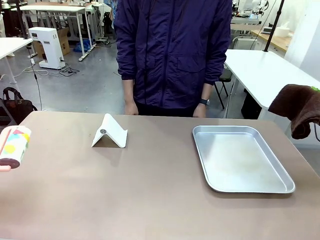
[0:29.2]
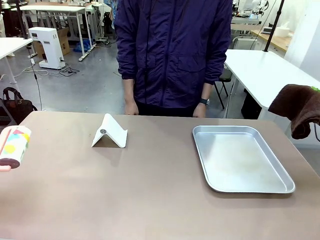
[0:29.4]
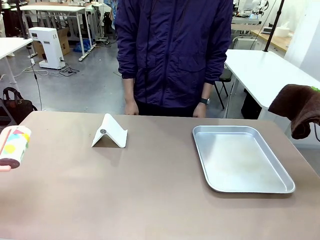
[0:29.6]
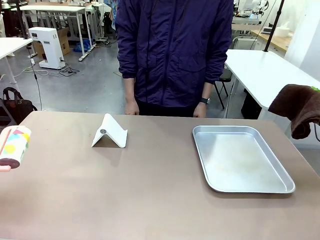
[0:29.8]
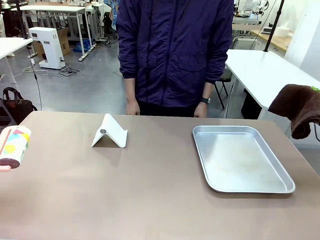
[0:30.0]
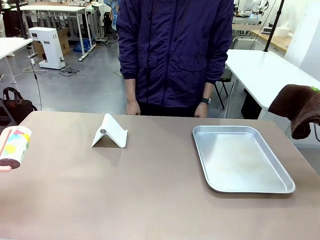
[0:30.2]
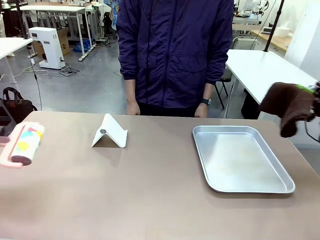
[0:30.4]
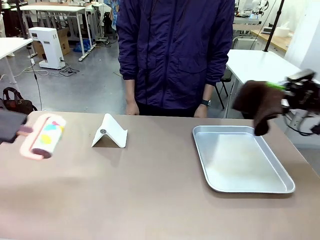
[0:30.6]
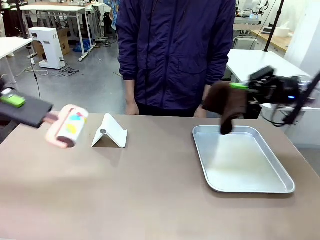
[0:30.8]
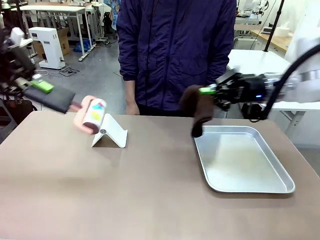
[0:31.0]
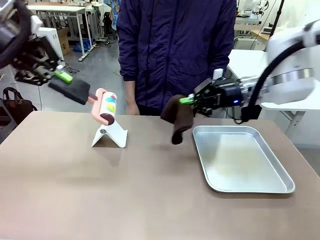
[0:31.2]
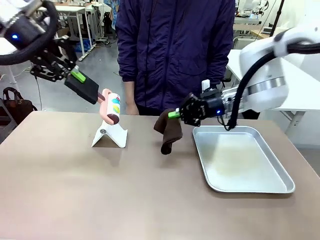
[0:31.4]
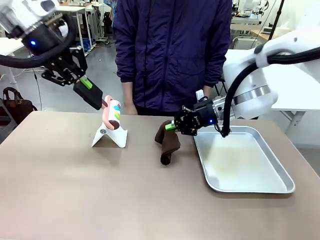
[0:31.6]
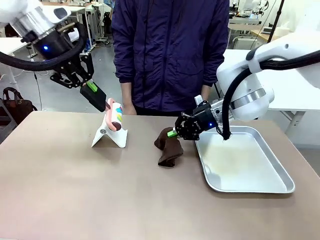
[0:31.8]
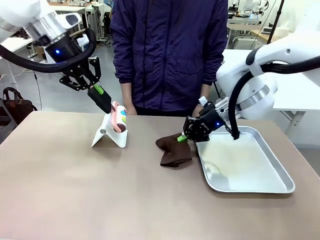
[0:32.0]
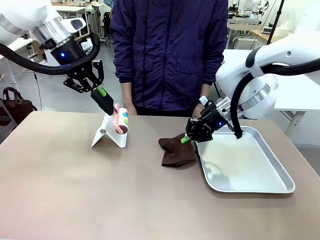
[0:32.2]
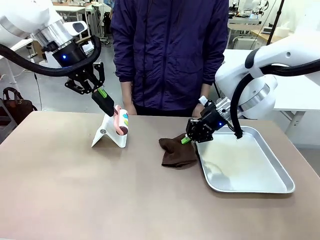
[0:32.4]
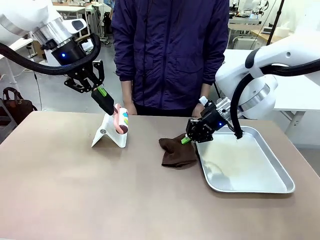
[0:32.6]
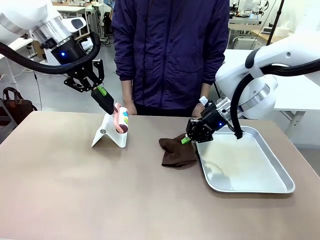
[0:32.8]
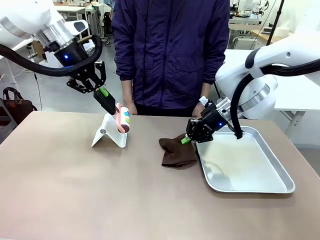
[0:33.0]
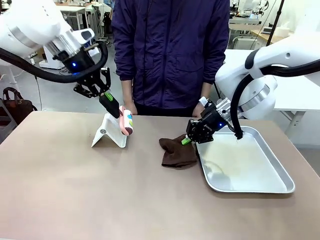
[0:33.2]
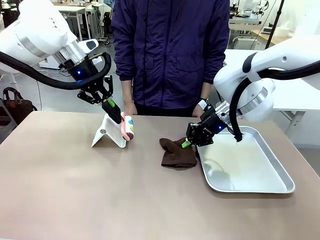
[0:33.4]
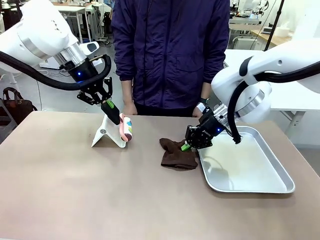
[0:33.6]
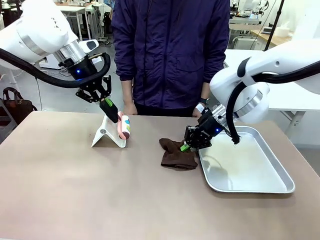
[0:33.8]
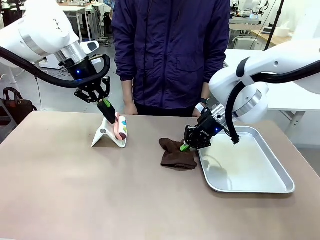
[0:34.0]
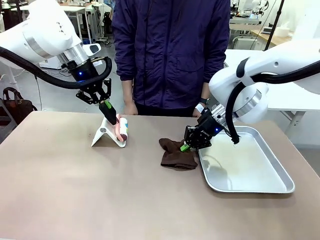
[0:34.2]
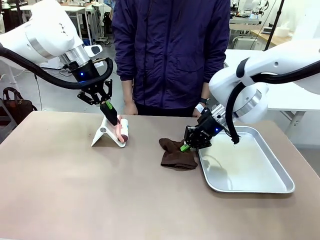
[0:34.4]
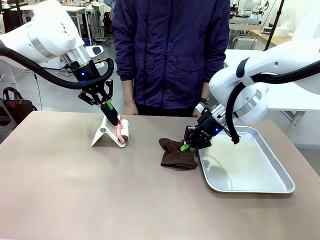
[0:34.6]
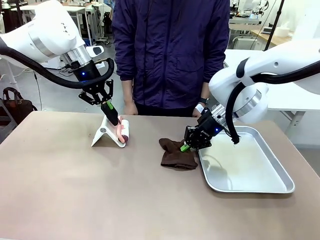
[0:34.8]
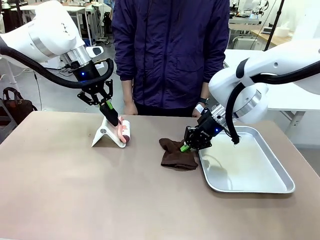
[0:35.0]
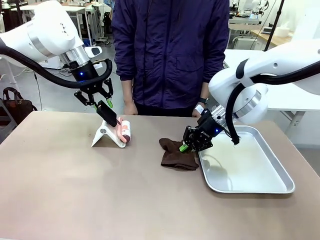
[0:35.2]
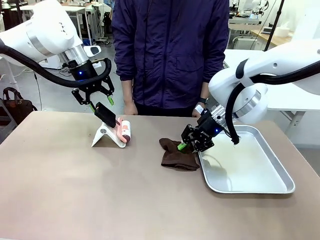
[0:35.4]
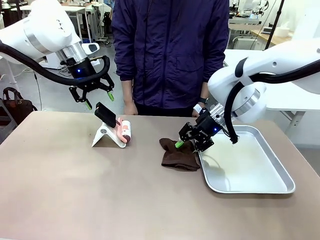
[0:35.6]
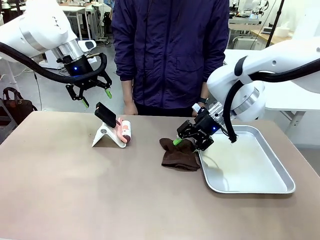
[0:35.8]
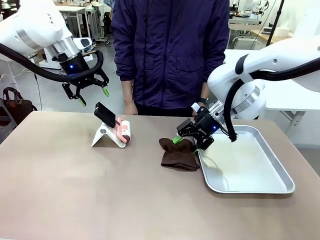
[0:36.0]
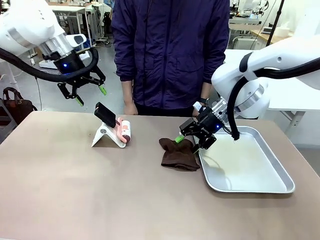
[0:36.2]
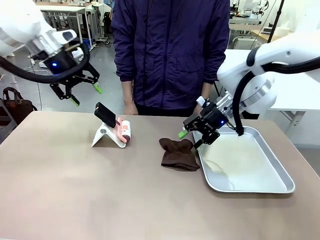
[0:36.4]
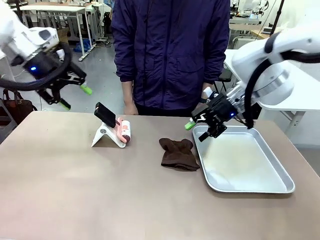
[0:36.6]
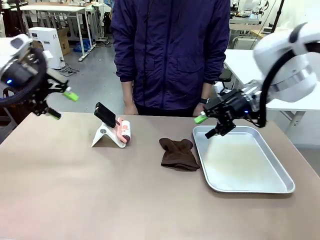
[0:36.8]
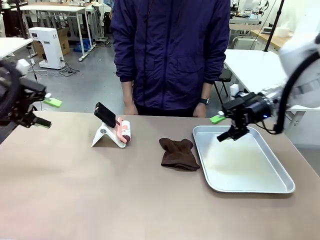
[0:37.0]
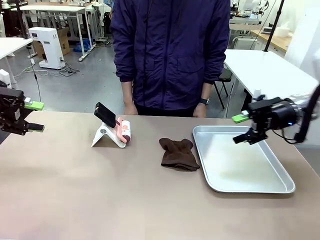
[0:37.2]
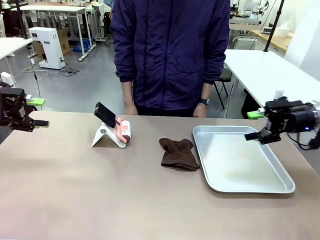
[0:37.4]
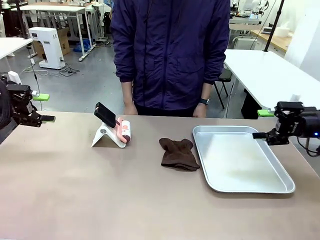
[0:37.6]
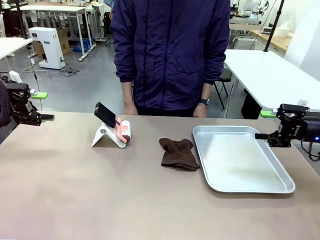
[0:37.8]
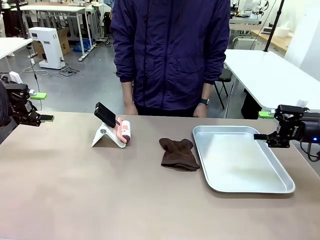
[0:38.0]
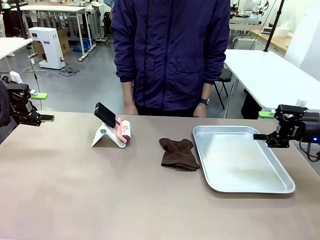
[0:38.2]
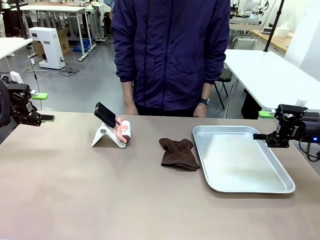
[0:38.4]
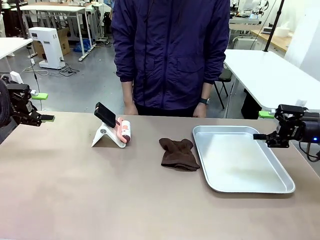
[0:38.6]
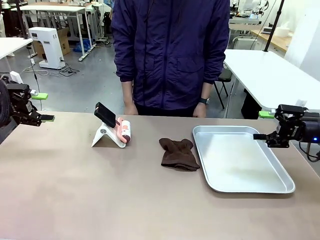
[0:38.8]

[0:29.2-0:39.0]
Task: Clean the surface of the table.
Robot: Return the Lint Roller and towel to their original positions.

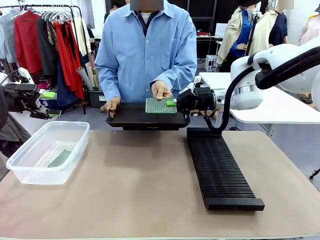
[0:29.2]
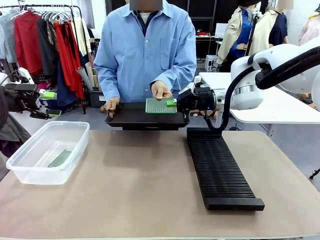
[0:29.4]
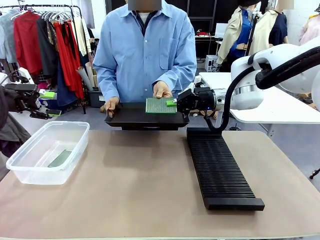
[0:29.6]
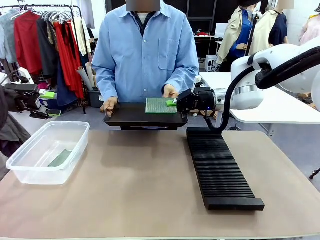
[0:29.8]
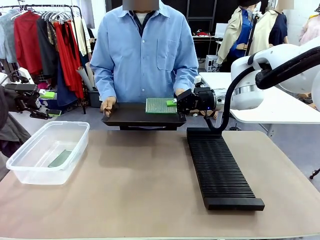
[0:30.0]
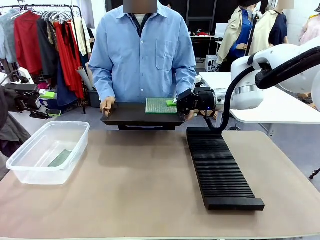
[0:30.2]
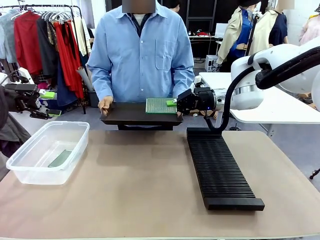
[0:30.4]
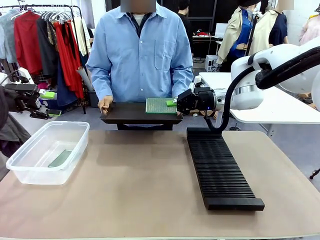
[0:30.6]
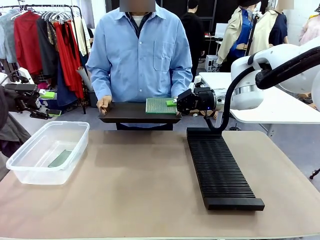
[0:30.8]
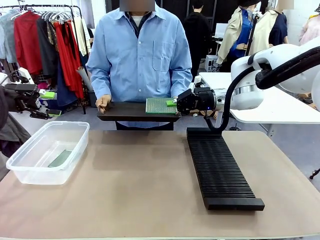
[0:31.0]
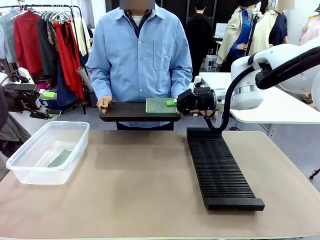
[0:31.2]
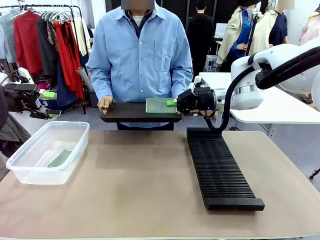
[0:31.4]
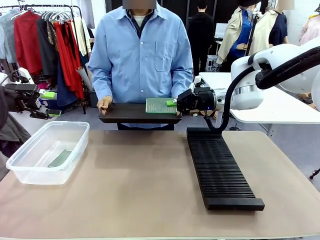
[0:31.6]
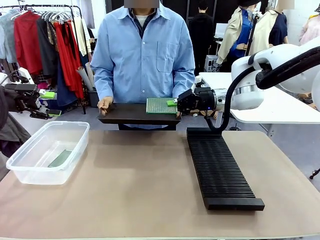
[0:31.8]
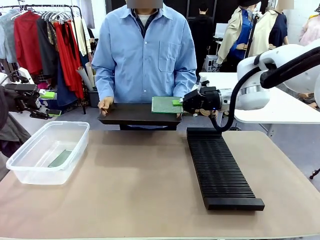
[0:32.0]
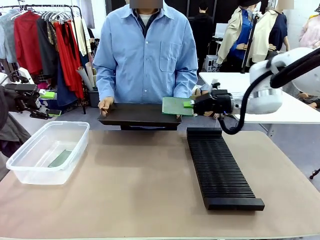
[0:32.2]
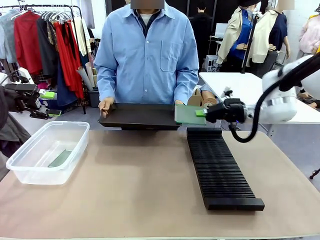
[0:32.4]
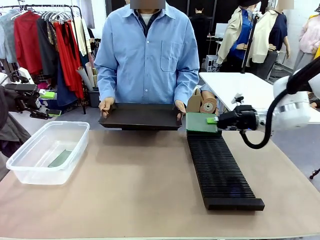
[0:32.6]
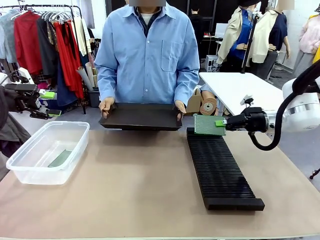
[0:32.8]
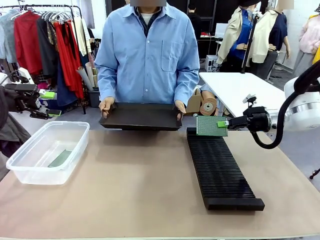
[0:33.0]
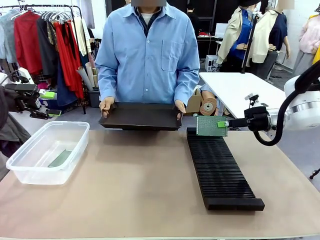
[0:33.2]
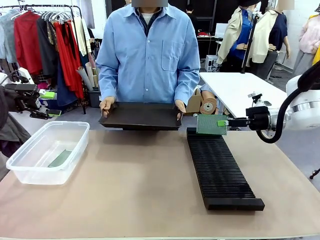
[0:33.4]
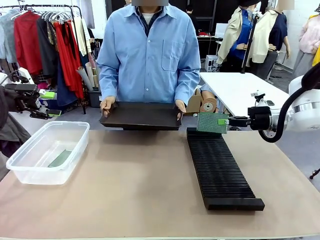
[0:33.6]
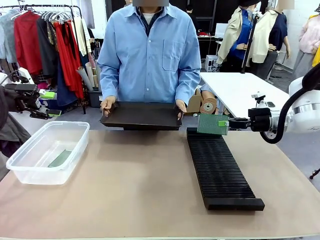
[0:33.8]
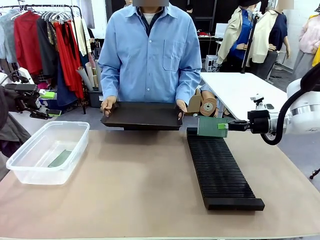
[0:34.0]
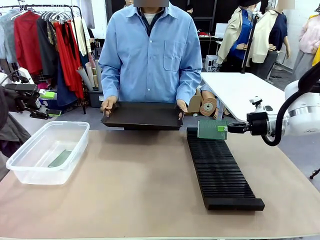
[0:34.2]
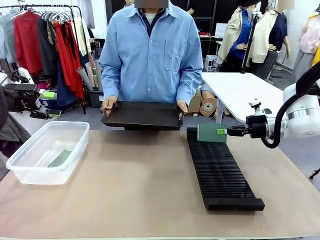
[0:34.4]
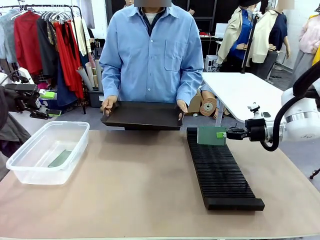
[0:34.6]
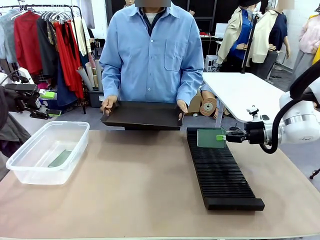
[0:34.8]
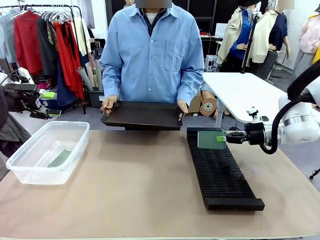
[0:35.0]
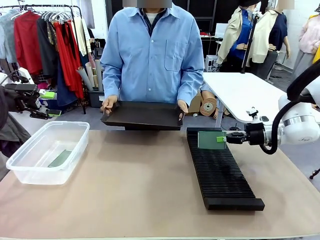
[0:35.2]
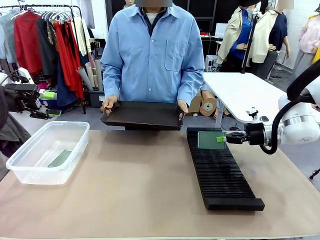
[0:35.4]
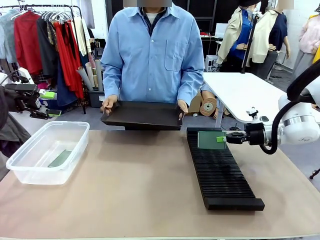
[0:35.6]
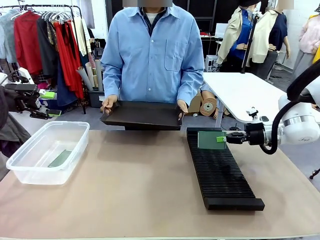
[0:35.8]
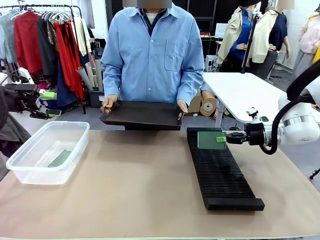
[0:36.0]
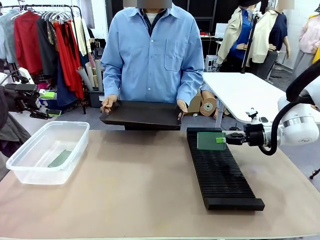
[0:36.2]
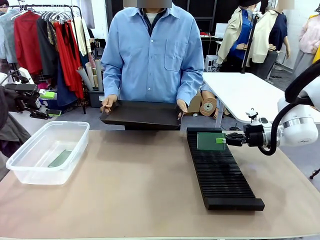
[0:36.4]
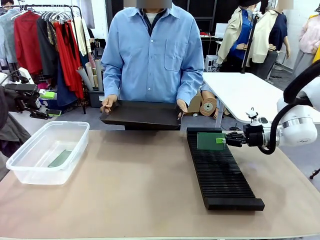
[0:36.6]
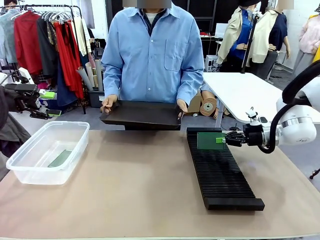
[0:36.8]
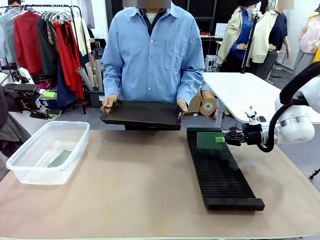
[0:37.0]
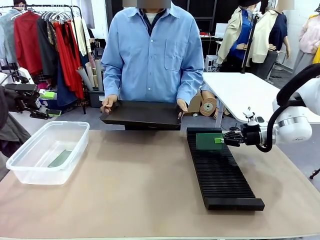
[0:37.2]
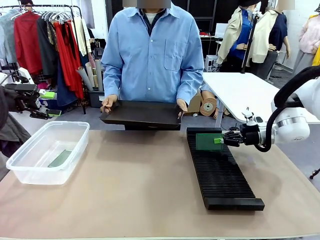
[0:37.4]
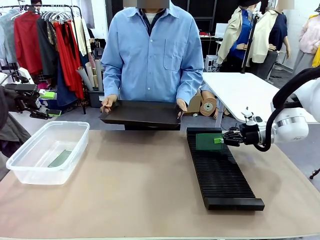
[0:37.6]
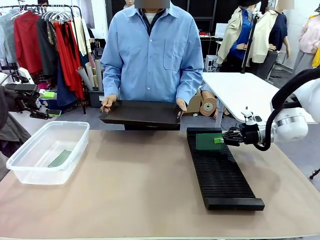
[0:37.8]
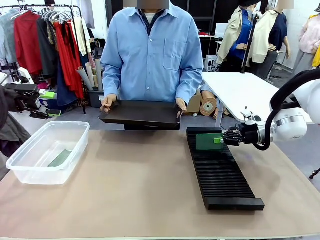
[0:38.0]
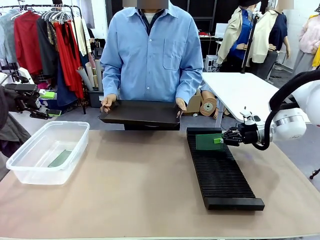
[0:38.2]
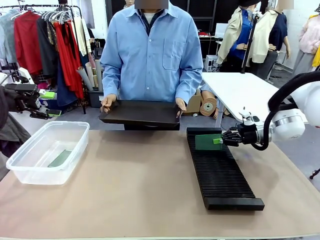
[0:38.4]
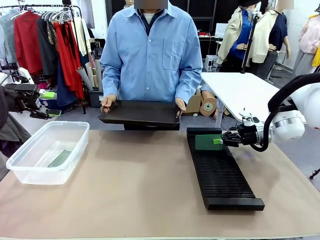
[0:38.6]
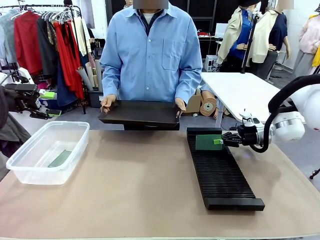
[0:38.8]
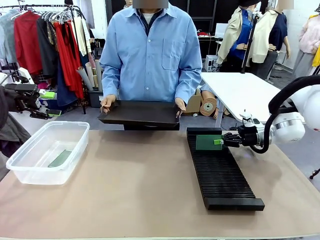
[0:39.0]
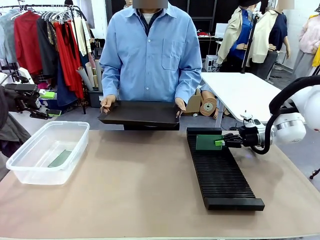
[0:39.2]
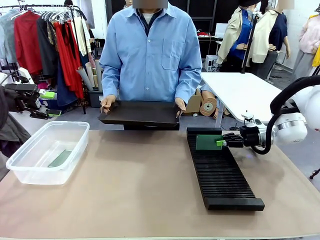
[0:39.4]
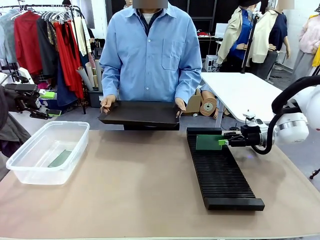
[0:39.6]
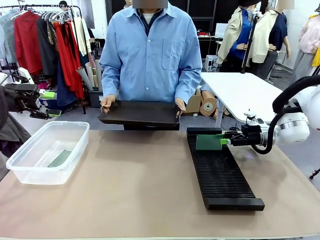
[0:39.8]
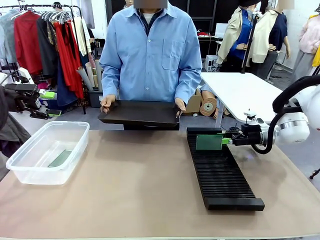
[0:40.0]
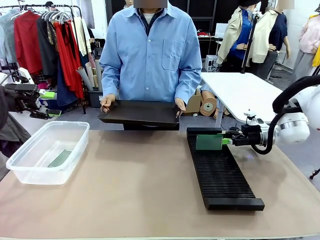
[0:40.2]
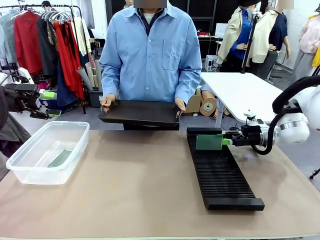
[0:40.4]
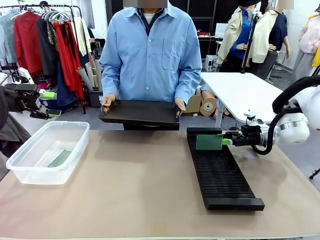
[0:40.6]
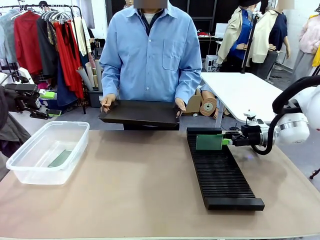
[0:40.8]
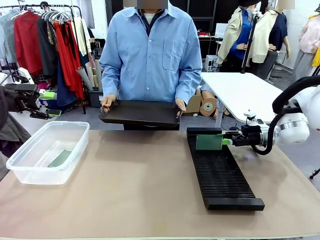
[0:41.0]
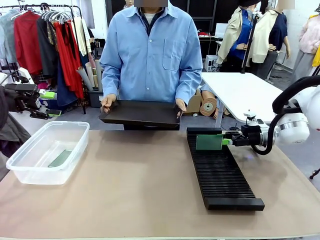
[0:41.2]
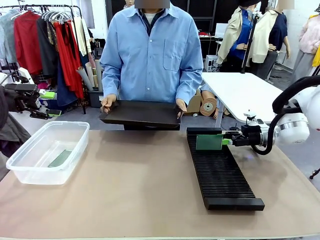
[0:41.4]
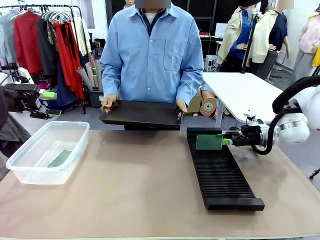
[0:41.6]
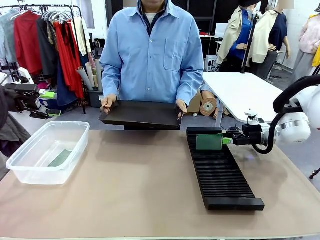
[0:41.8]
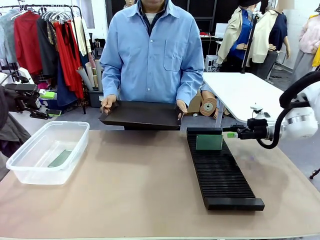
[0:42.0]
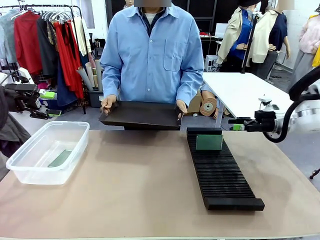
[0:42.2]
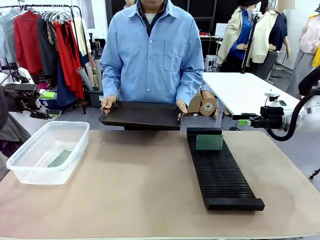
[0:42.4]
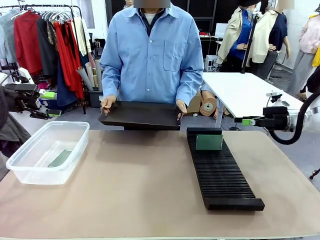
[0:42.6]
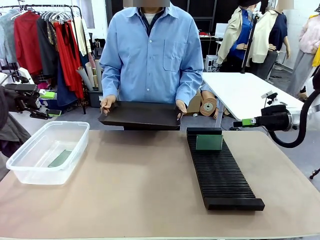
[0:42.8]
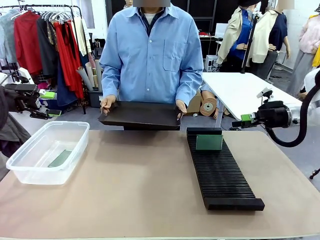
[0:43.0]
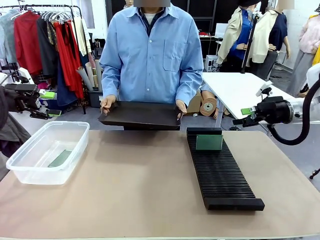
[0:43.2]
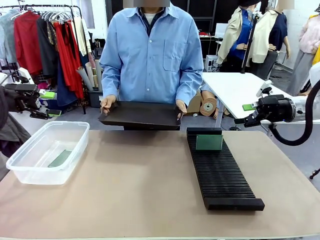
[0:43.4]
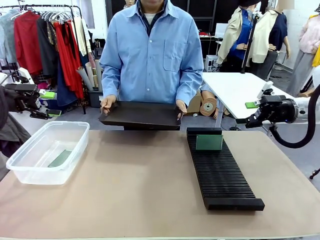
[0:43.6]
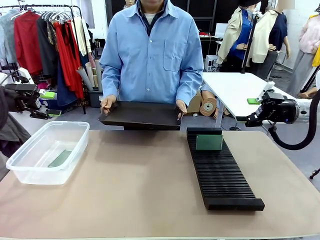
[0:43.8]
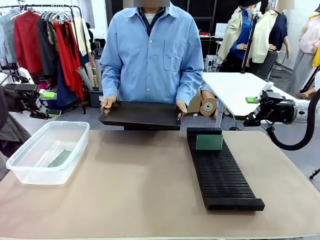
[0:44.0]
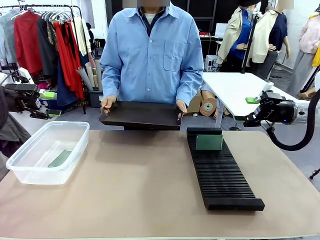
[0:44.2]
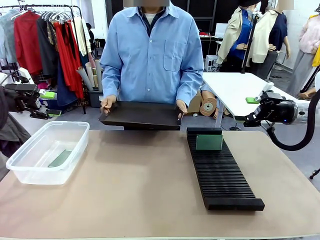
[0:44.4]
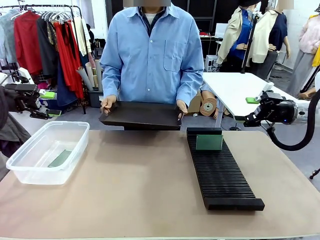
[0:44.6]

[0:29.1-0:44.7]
Task: Sort PCBs into racks and boxes based on the side picked up.
Robot: If the short side of the Blank PCB is picked up, insert it into the PCB Rack ; if the long side is picked up, place it in the Organizing box.
Person: Release the PCB being held.
